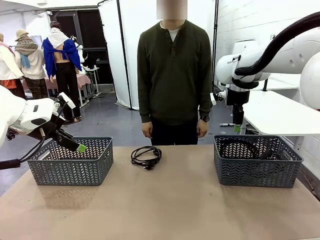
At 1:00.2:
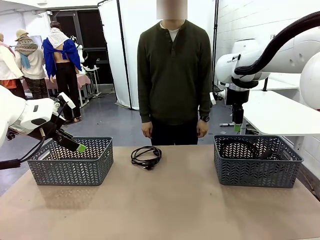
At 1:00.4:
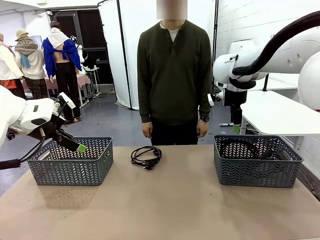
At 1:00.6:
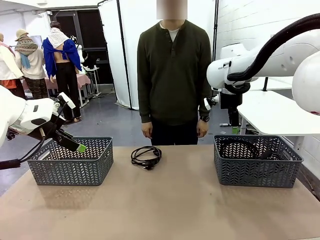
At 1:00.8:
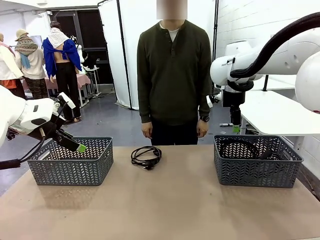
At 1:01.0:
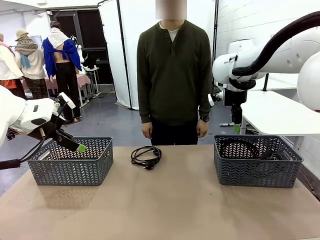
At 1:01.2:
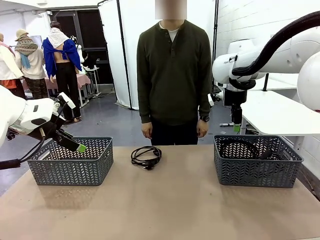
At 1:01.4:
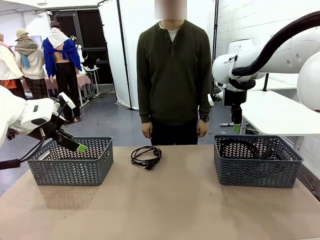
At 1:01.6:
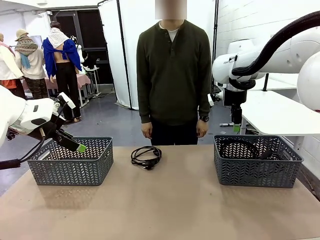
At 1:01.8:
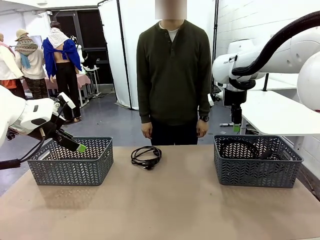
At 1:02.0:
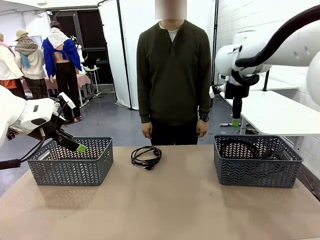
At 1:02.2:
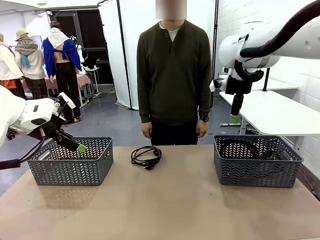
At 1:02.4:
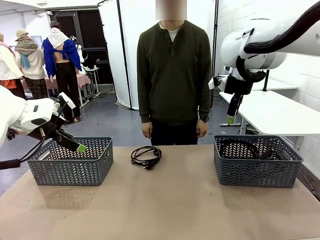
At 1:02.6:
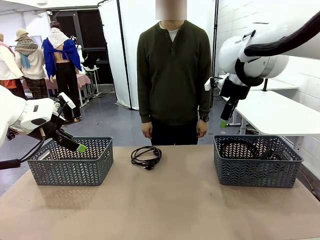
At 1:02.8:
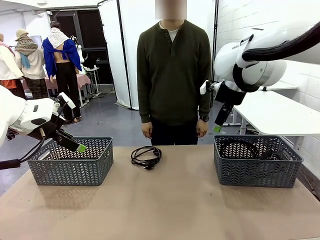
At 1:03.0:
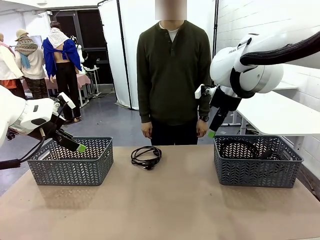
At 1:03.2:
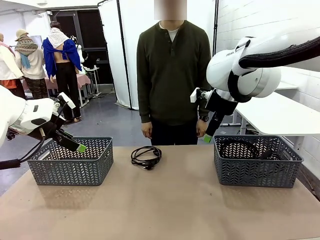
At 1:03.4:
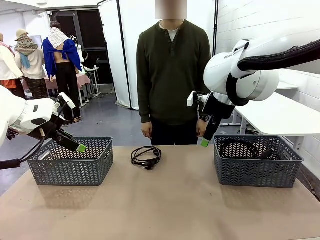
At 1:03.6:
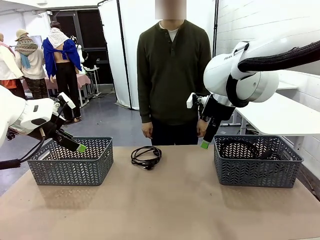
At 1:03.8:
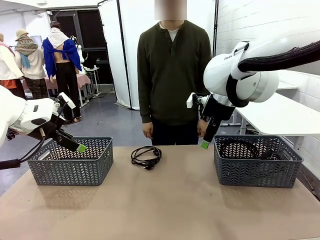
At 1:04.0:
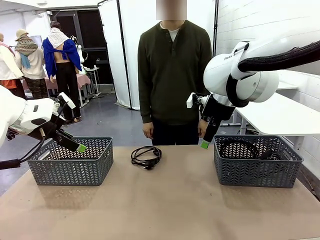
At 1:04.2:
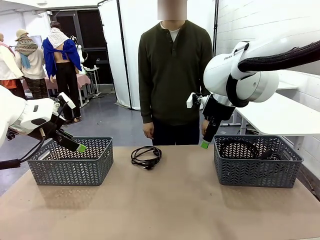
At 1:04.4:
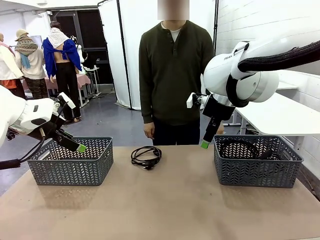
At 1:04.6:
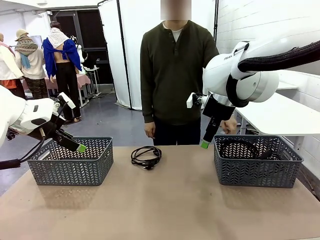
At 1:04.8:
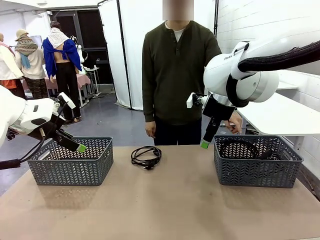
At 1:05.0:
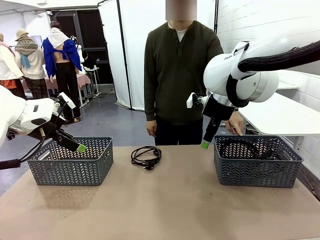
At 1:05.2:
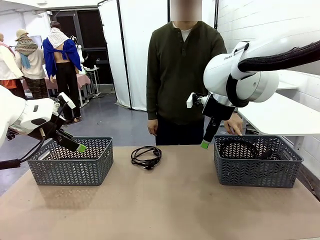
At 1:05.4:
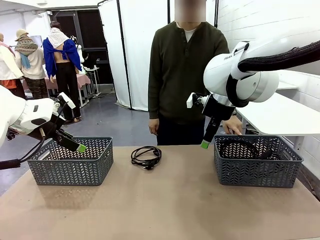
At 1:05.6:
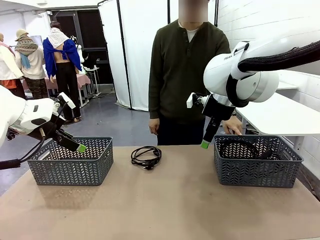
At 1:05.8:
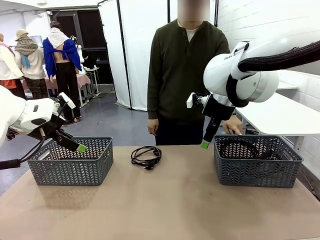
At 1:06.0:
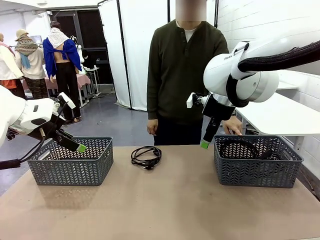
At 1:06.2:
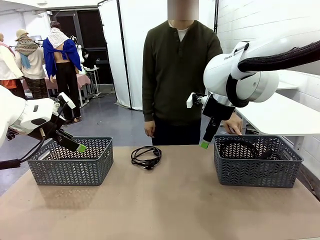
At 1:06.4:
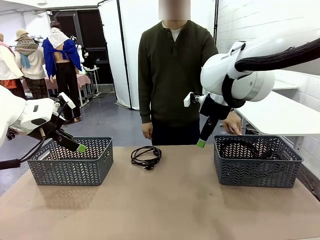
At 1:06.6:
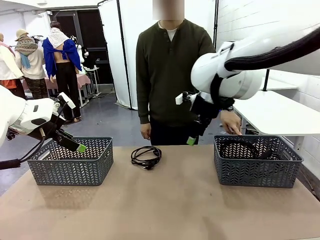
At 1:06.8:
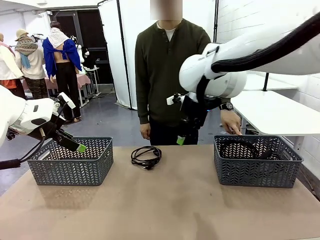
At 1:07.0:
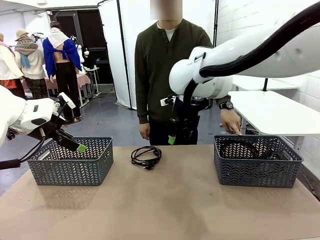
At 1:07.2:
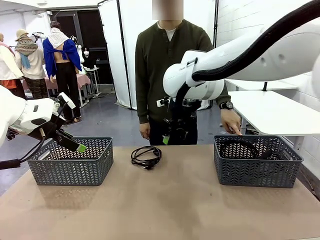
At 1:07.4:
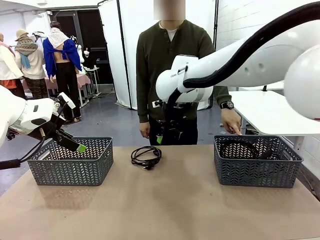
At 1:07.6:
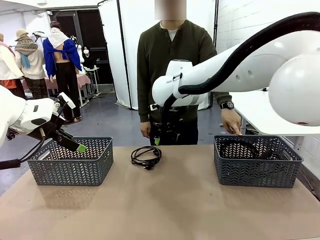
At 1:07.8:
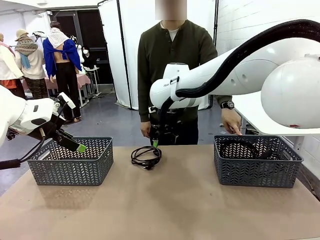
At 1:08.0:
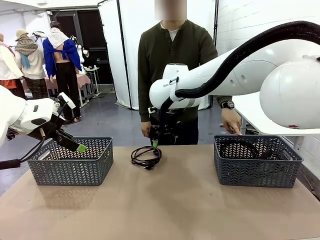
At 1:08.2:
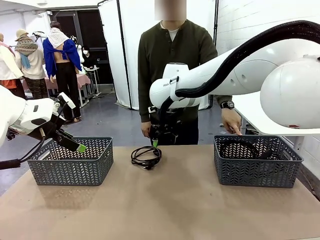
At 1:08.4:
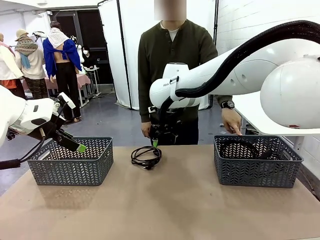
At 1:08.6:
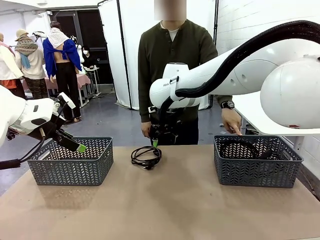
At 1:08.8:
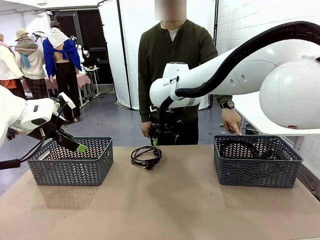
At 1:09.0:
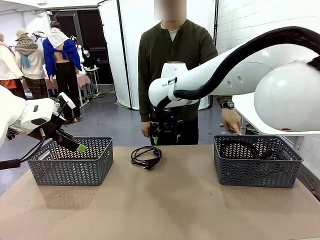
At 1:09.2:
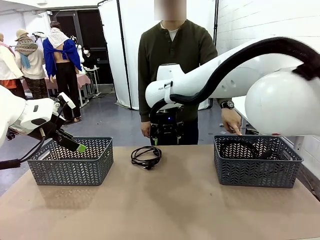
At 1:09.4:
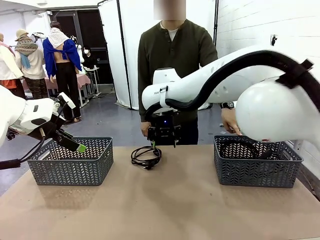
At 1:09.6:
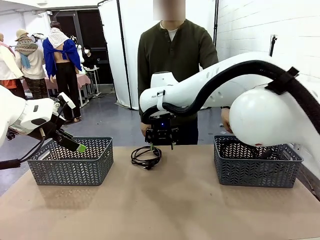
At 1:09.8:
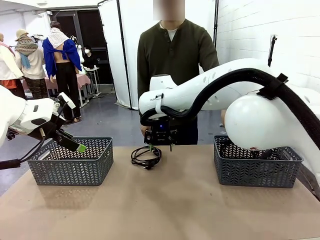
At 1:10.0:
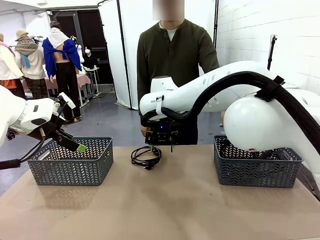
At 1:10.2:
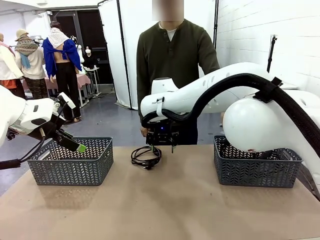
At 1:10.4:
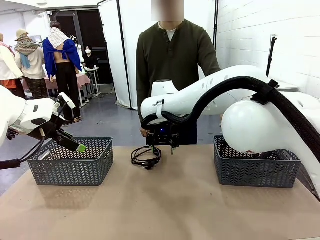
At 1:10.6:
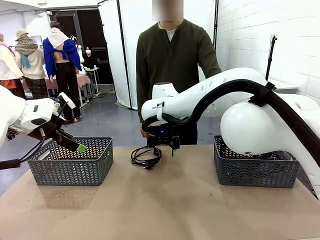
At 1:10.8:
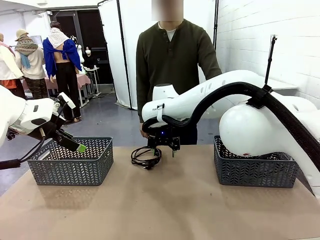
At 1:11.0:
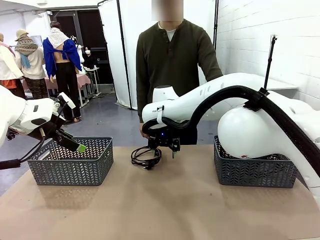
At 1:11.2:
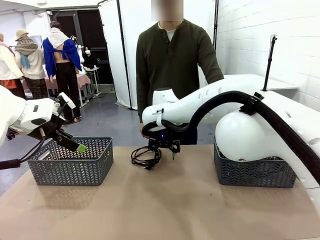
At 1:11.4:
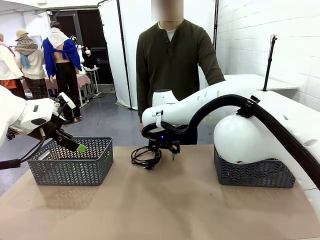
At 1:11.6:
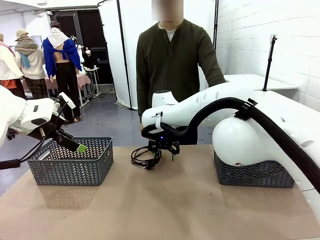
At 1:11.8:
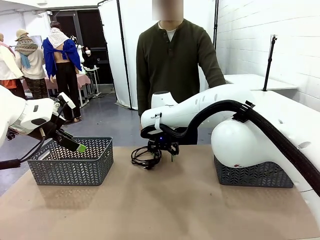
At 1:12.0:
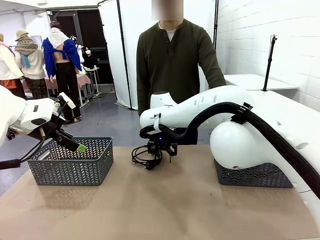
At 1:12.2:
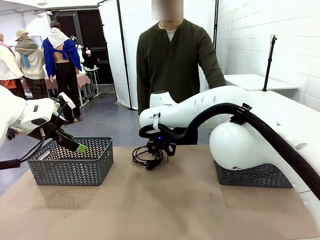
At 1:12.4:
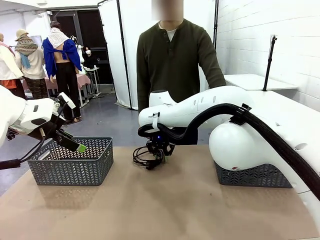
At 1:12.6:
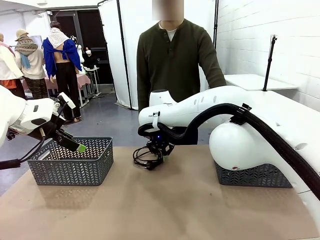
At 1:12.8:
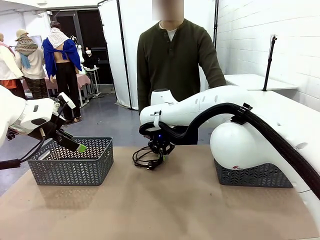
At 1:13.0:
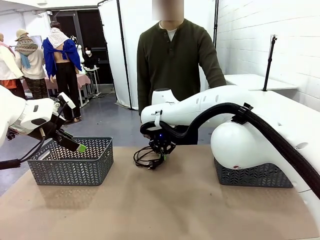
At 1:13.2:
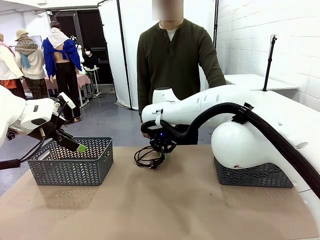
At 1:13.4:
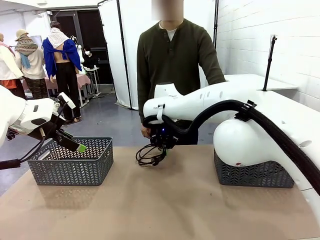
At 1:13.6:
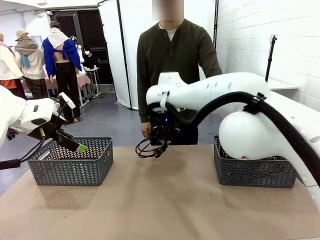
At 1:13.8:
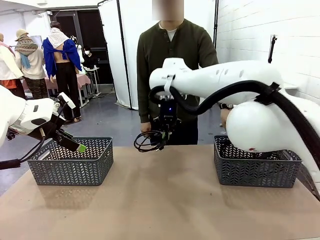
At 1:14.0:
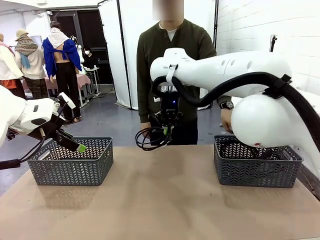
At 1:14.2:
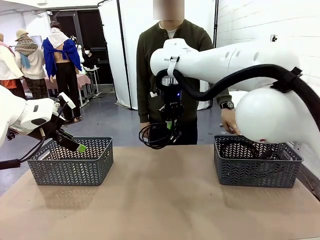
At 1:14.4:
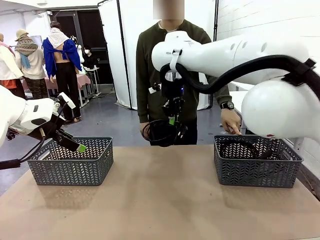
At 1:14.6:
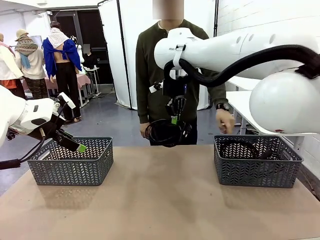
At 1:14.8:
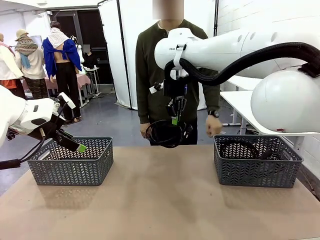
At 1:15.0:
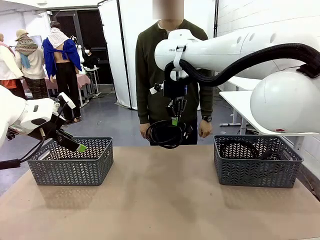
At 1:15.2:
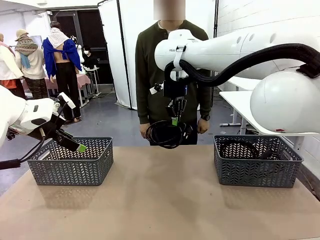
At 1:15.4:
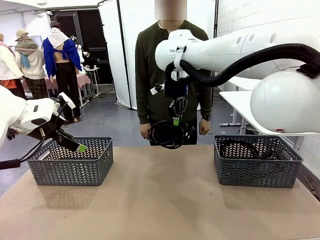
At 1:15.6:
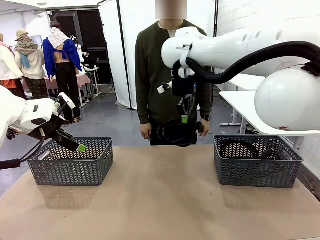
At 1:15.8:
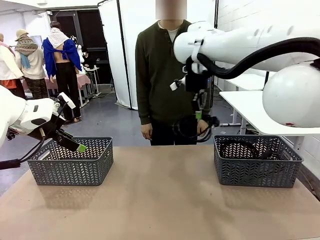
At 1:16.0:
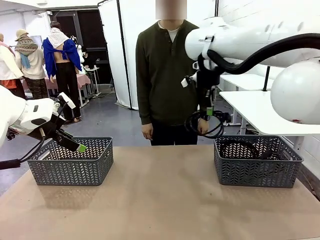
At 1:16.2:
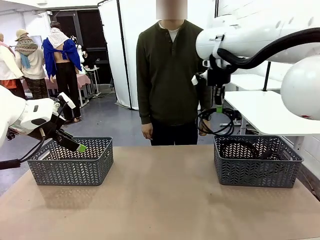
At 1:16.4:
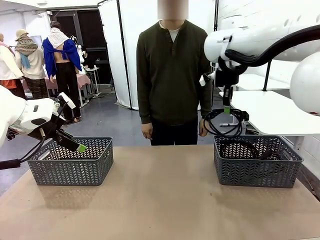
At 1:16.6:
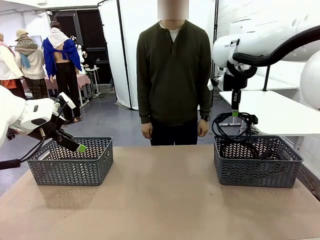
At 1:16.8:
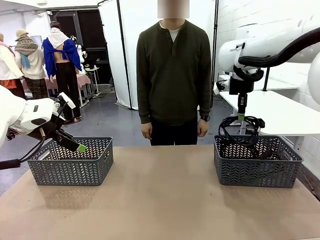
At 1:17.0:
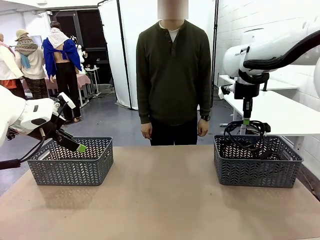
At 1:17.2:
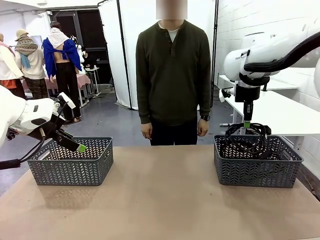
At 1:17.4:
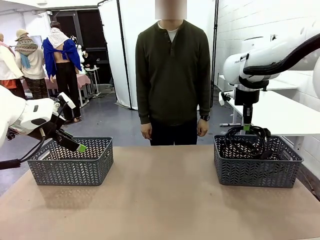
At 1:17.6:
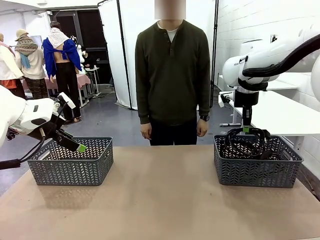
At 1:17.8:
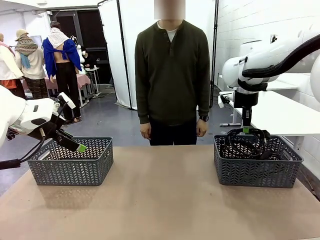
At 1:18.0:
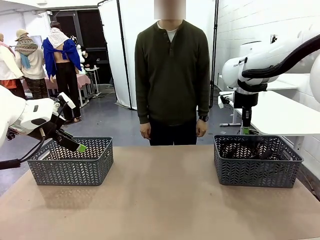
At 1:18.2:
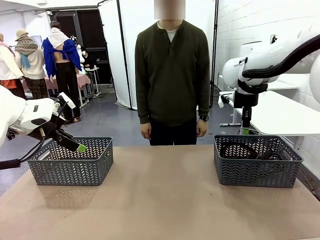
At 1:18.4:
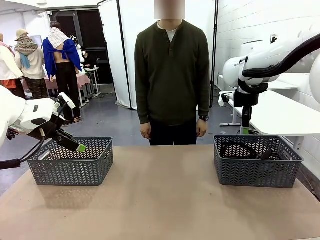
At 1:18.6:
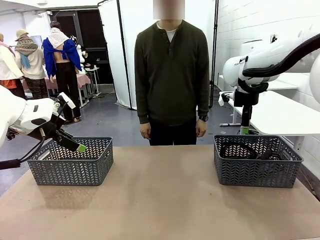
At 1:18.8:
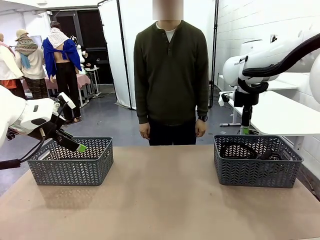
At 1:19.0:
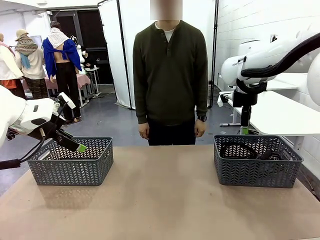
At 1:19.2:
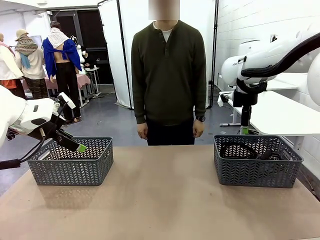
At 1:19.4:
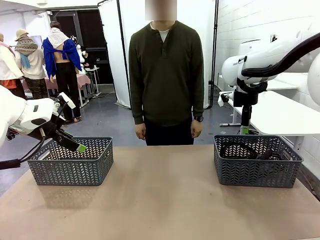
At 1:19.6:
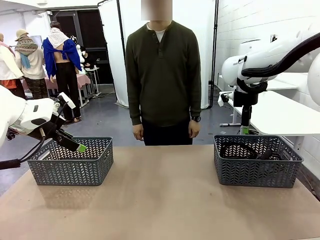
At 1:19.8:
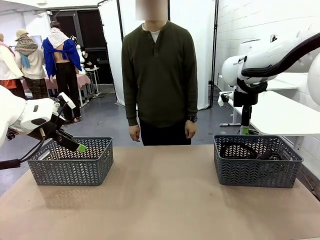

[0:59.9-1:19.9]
Task: Organize the cables according to human instructions.
Robot: Pick up a bundle of cables and place it in the basket indicated by the human.
